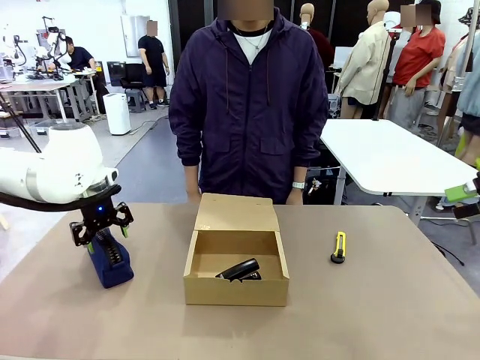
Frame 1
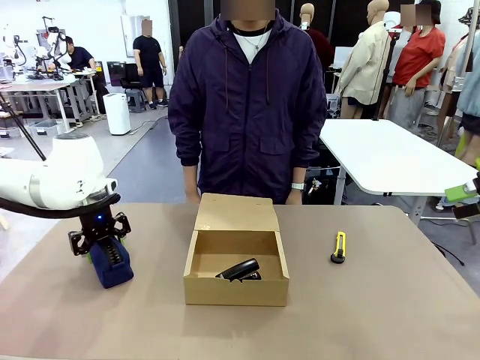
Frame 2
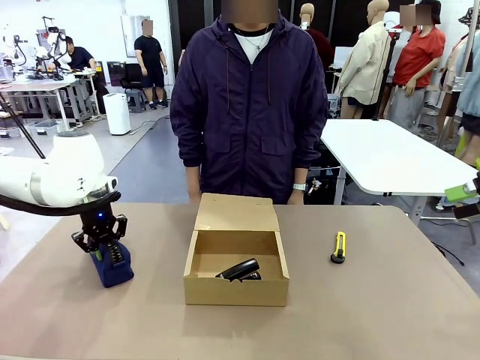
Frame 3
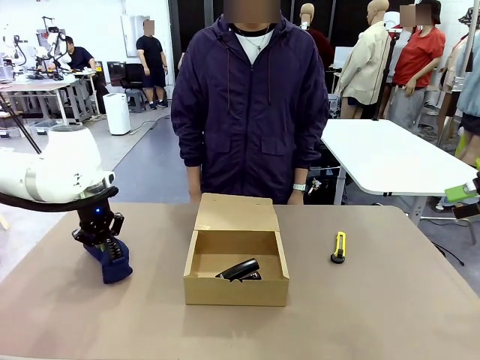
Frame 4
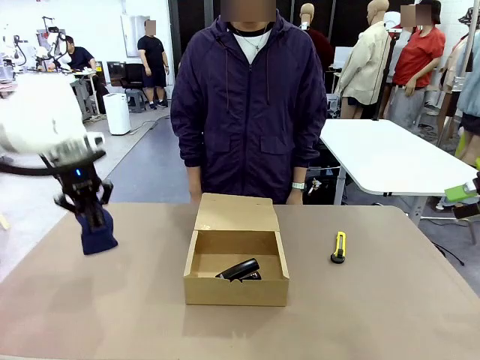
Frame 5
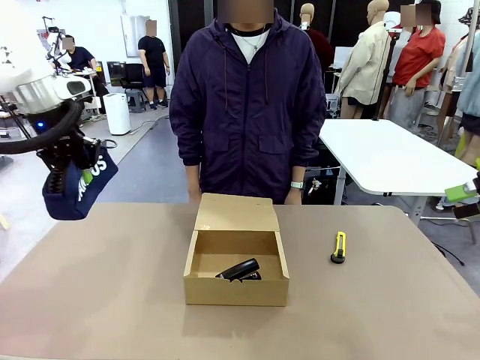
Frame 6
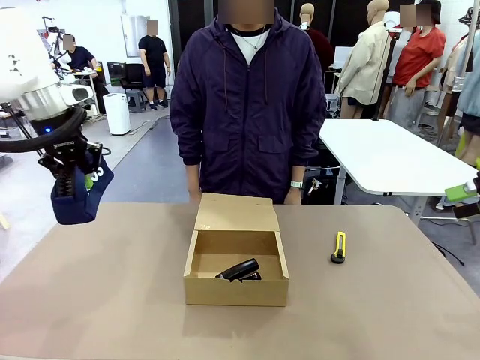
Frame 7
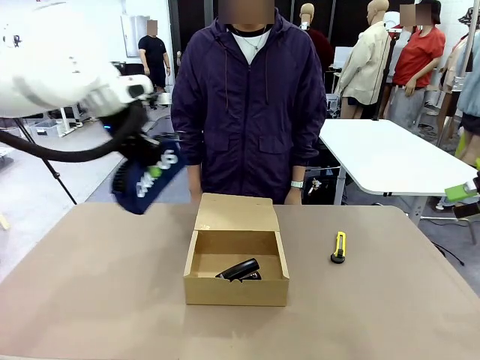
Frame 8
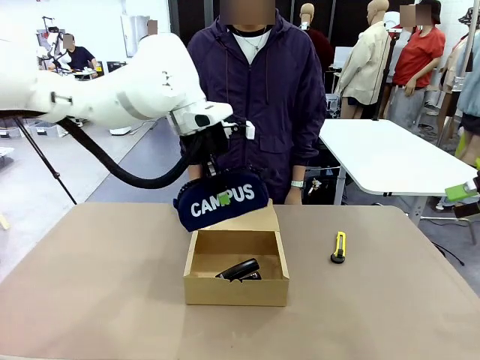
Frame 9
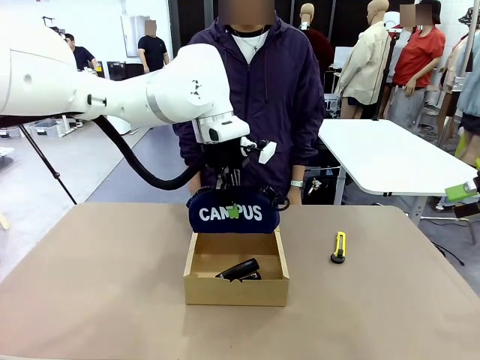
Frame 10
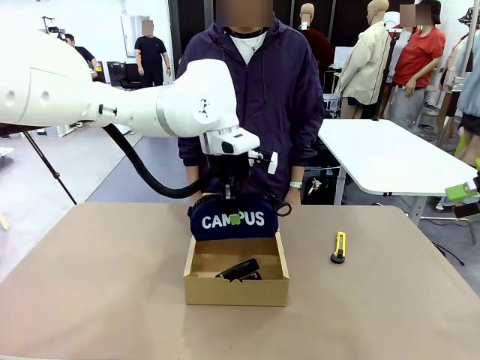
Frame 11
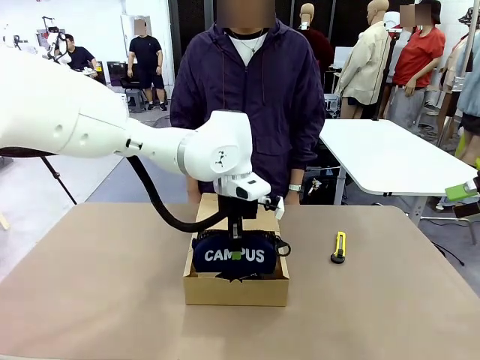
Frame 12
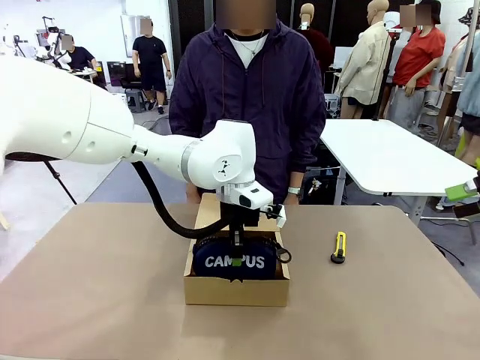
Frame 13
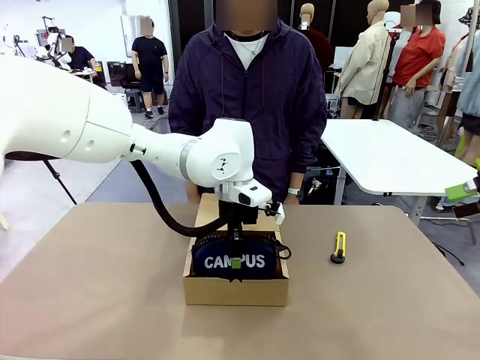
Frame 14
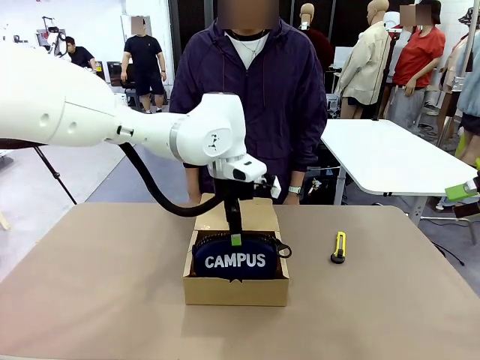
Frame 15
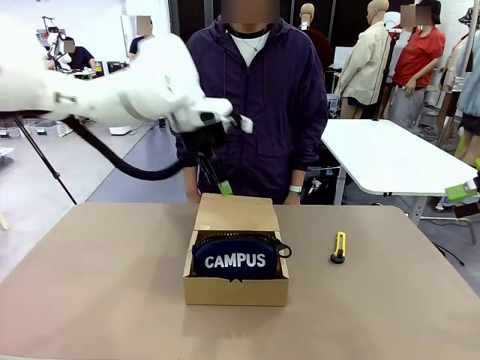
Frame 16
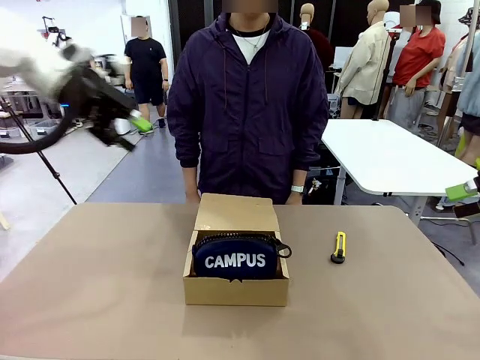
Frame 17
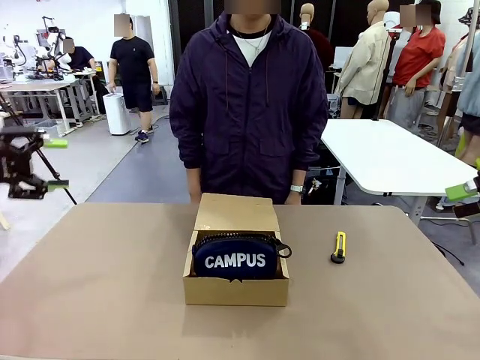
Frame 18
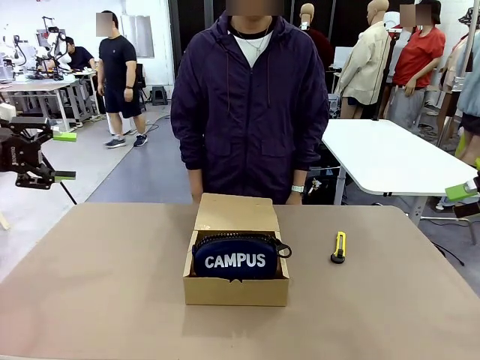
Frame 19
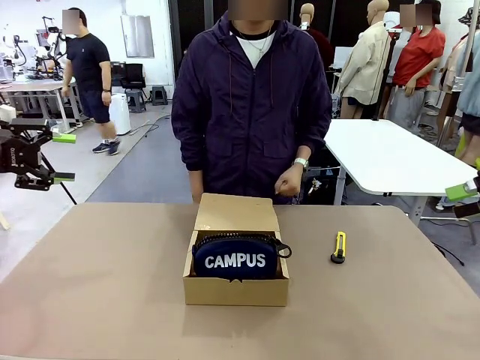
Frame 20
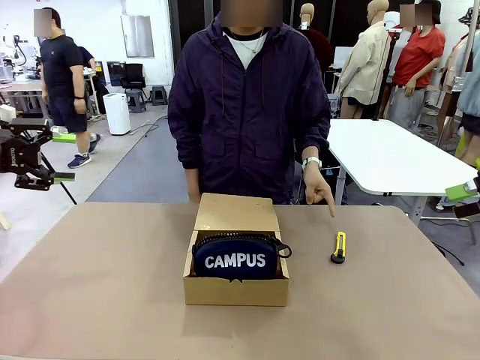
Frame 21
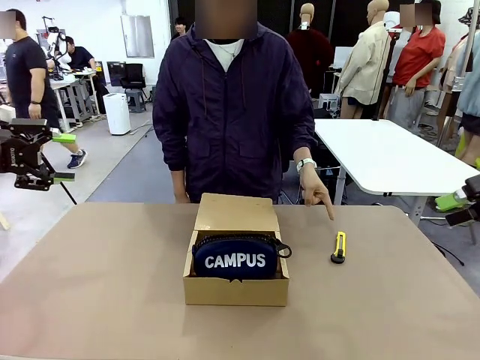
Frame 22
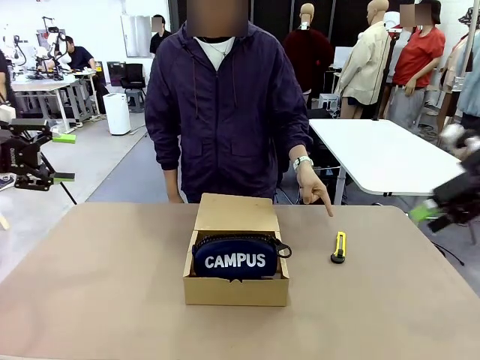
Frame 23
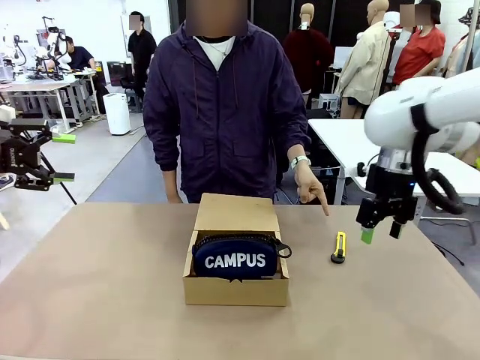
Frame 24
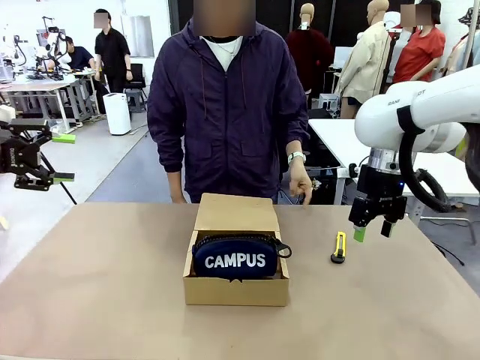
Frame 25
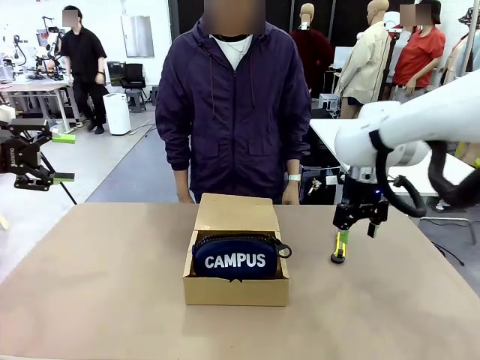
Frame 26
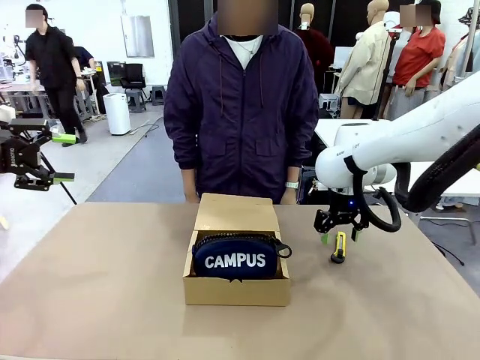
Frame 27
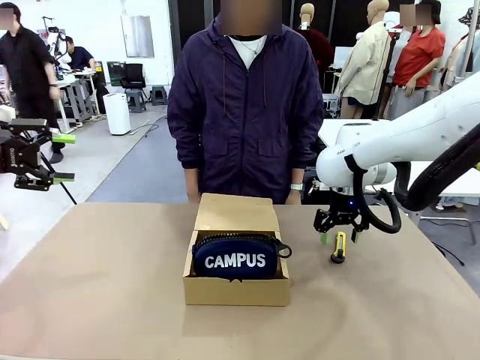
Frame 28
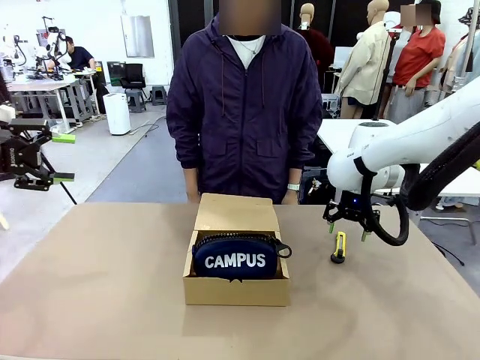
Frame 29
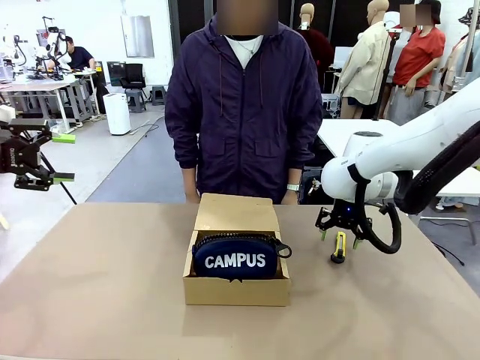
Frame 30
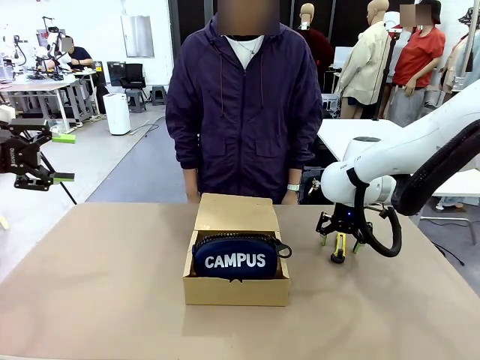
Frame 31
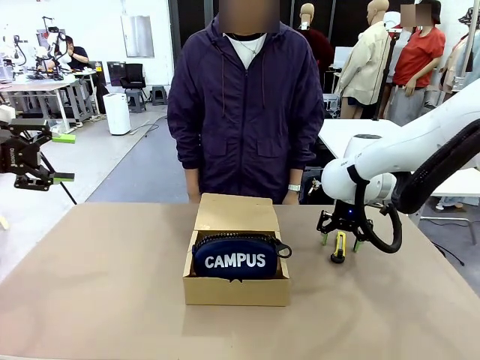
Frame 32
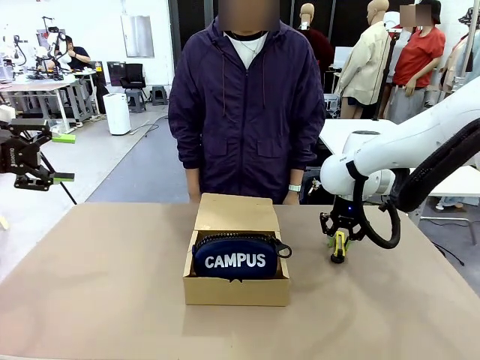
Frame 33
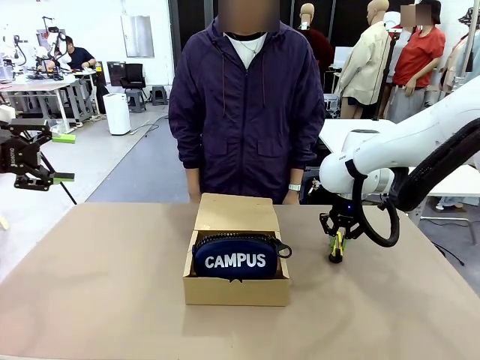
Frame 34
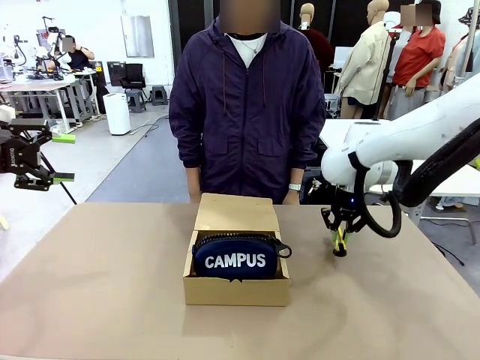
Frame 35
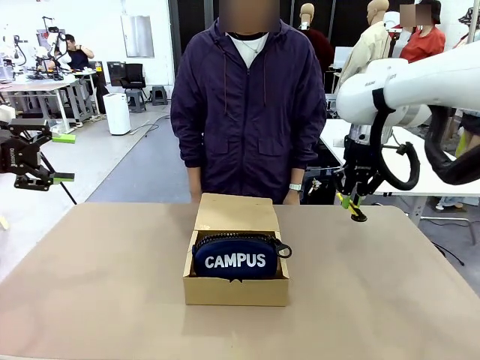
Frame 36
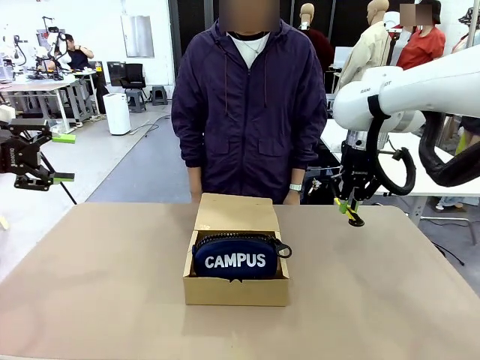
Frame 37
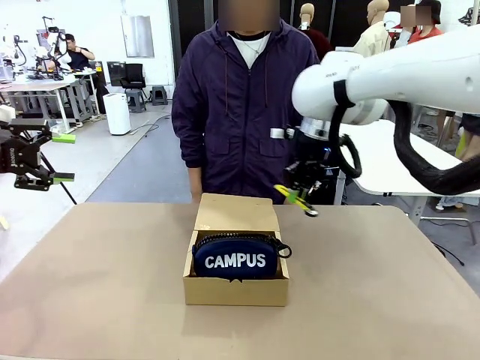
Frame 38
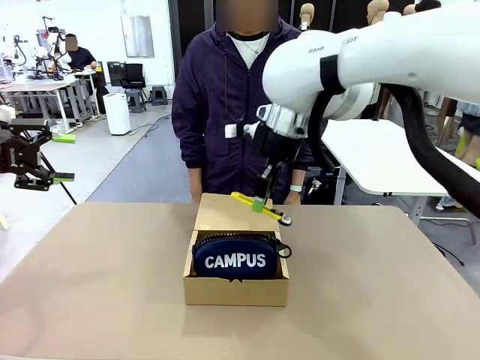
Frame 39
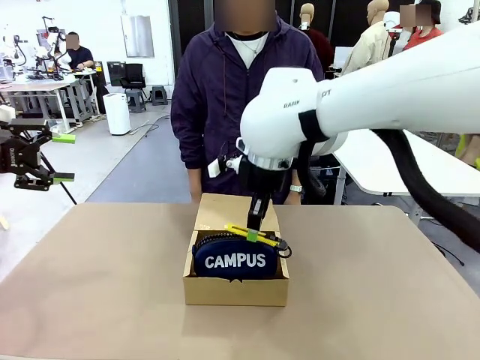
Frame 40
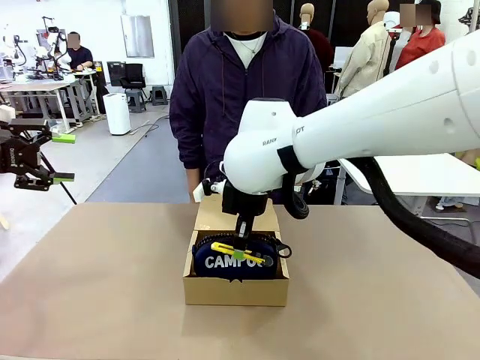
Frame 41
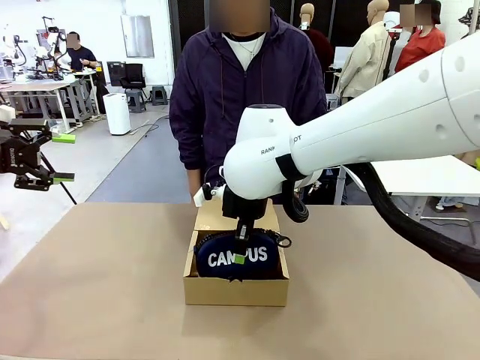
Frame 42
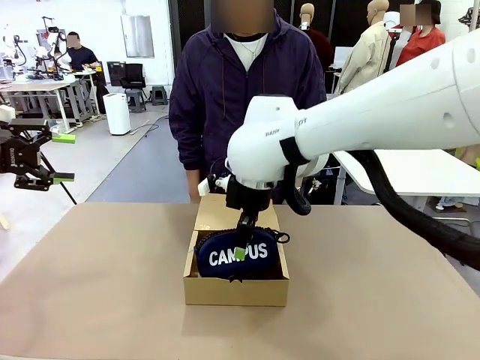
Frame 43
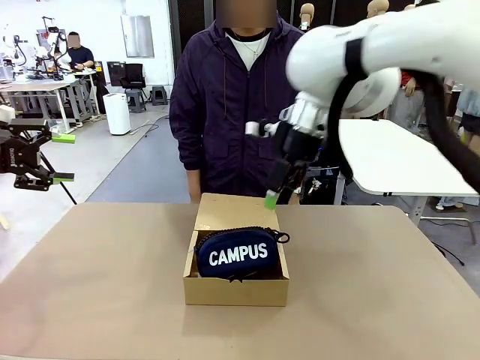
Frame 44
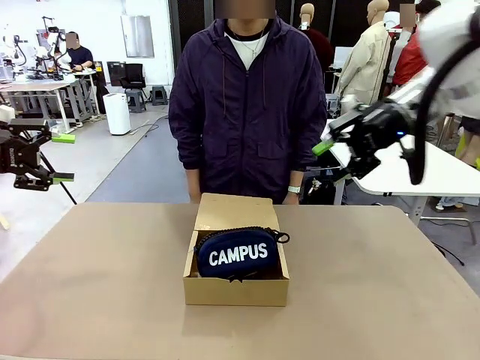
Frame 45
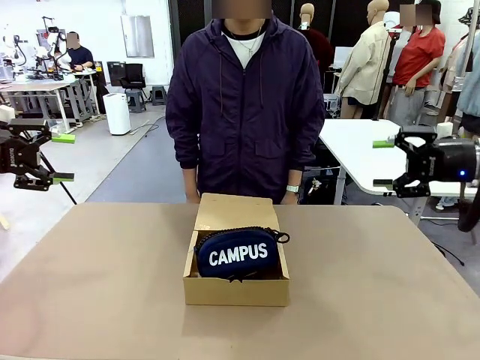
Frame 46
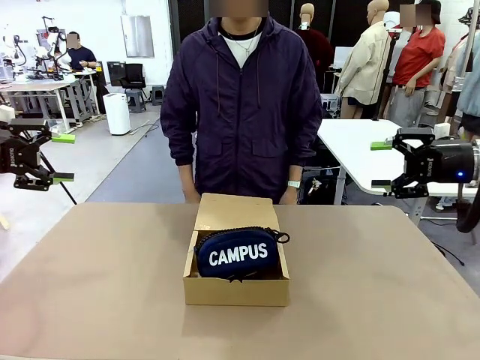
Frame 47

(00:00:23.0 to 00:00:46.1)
Task: Pack the items into the box.
Robot: Pick up the item indicated by the person and place it inside the Mailer Box.
Person: Lower both hands vertically with palms facing downward, as if pressing something closed.

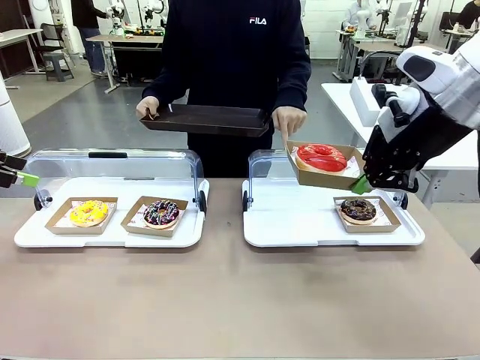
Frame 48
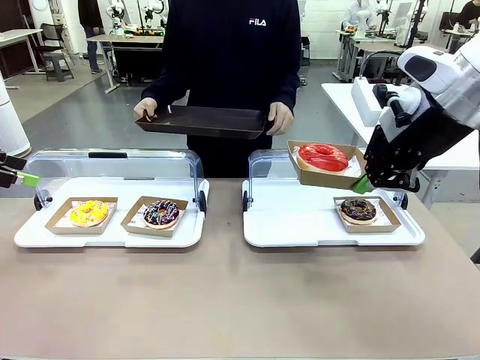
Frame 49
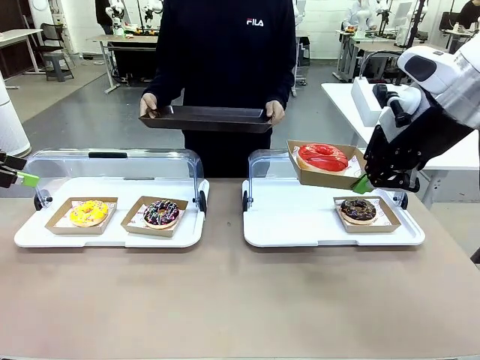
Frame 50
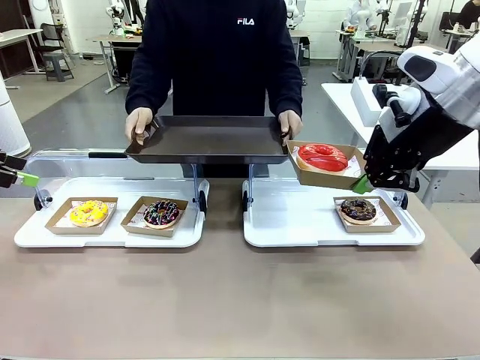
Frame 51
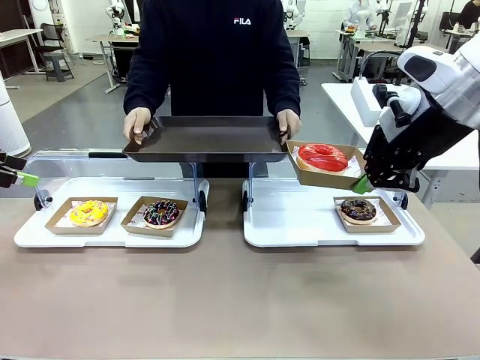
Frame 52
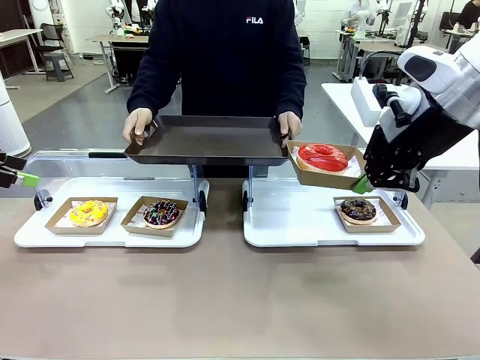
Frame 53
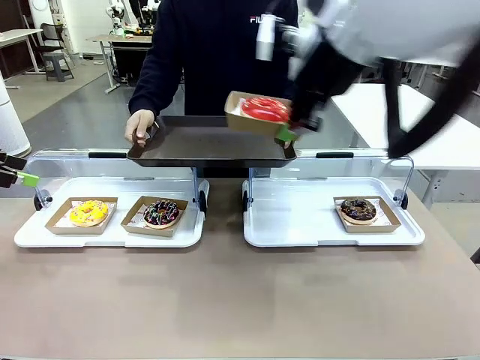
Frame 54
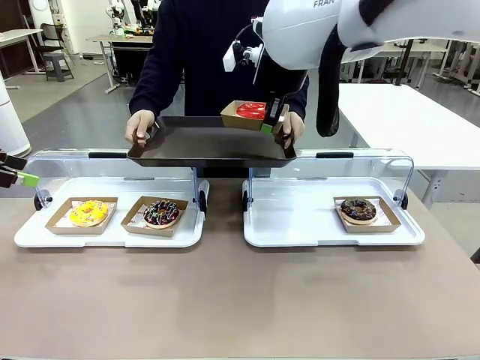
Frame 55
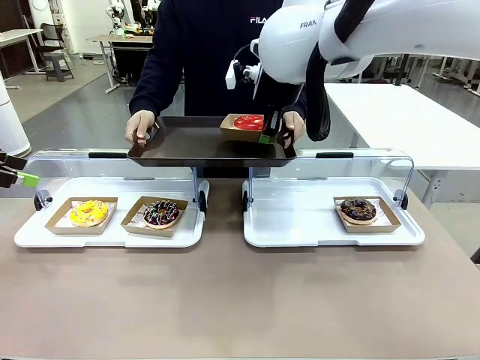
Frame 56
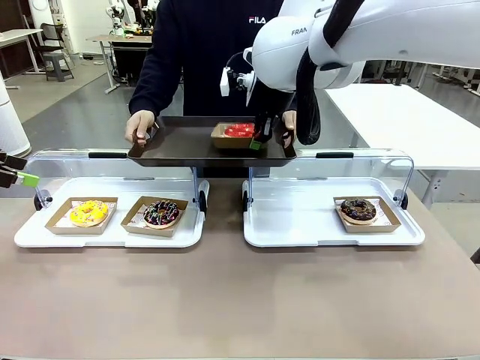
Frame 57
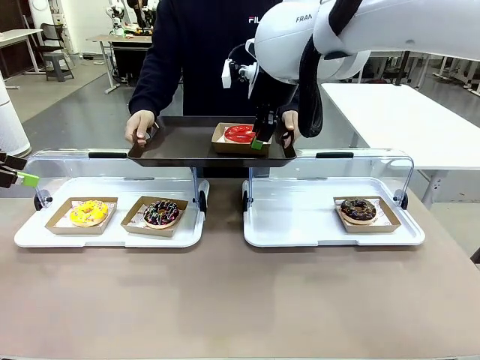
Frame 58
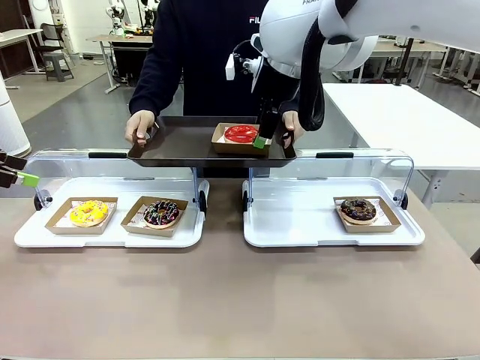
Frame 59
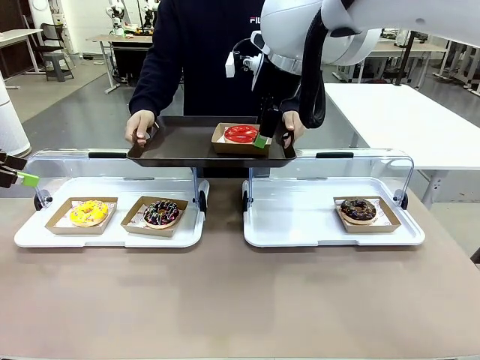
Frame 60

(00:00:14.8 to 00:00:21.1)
Task: Provide the desired donut to the person.
Robot: Place the picked Paper togo box onto the Handle tray extended by the person.
